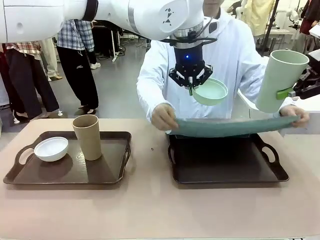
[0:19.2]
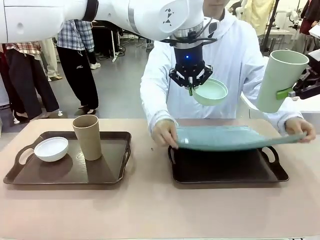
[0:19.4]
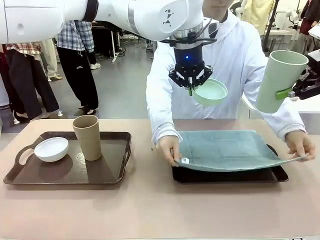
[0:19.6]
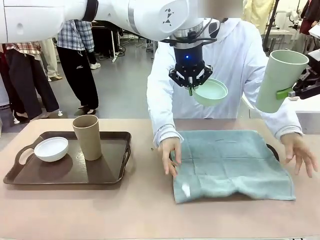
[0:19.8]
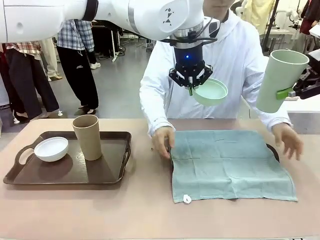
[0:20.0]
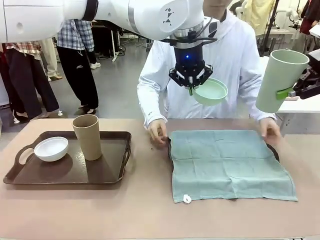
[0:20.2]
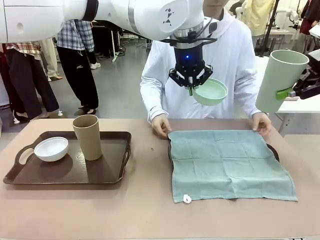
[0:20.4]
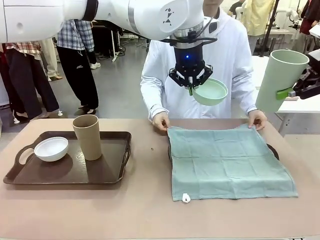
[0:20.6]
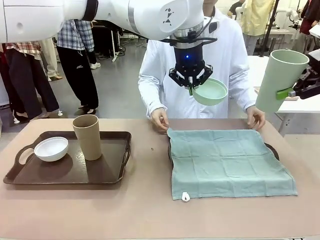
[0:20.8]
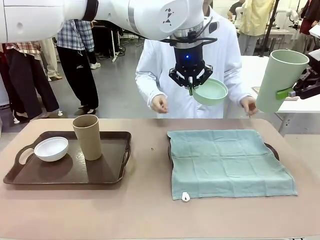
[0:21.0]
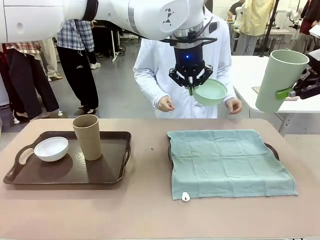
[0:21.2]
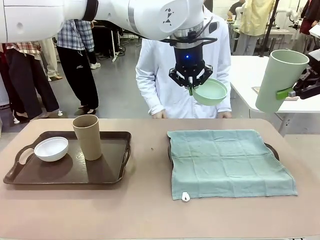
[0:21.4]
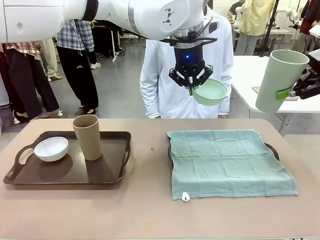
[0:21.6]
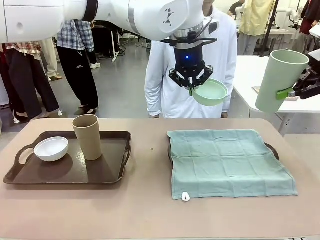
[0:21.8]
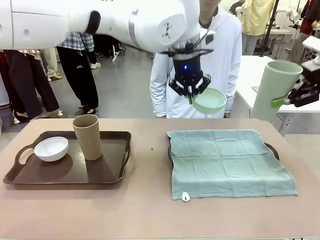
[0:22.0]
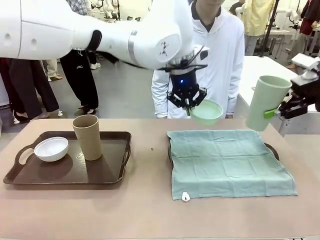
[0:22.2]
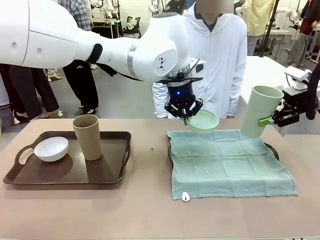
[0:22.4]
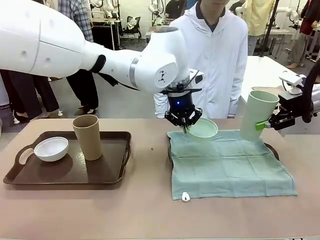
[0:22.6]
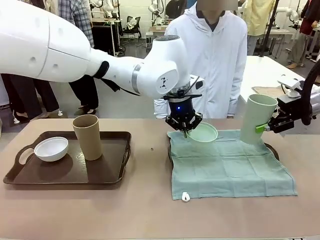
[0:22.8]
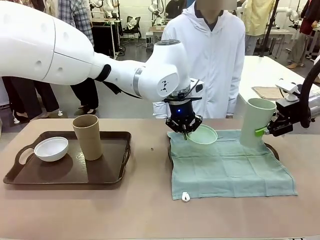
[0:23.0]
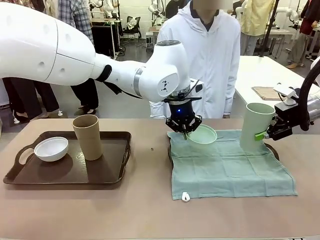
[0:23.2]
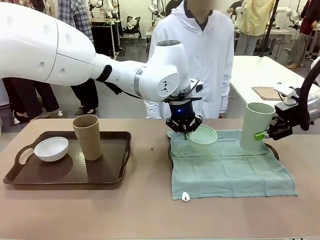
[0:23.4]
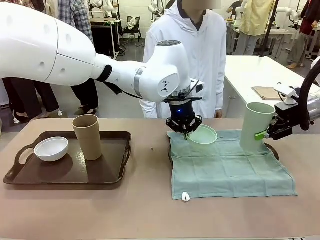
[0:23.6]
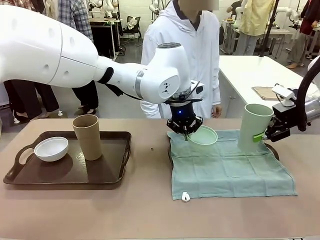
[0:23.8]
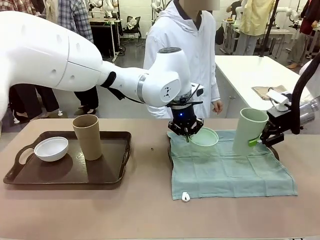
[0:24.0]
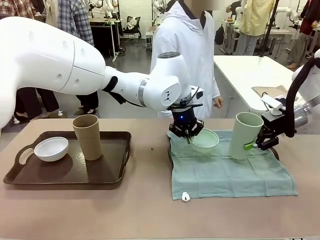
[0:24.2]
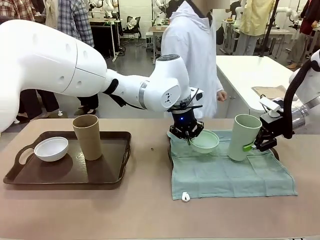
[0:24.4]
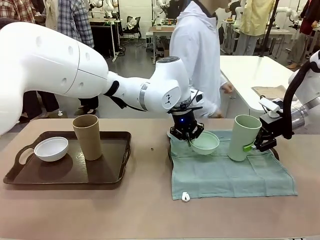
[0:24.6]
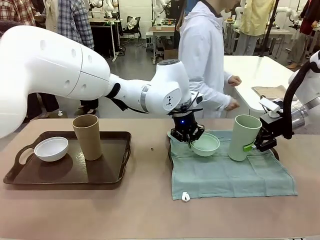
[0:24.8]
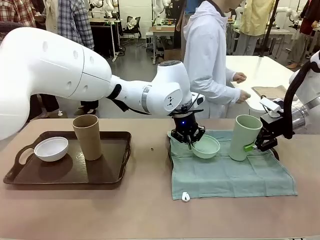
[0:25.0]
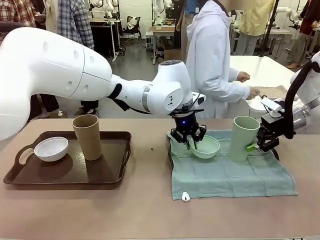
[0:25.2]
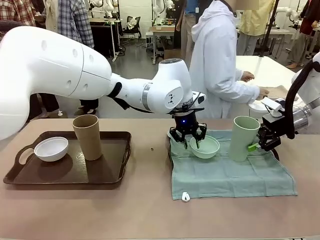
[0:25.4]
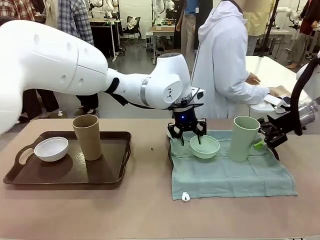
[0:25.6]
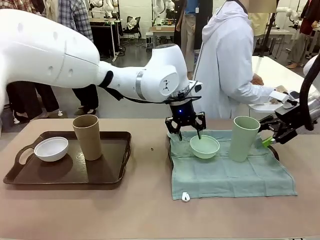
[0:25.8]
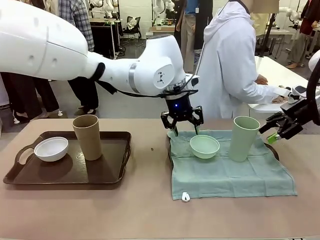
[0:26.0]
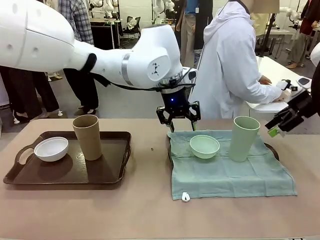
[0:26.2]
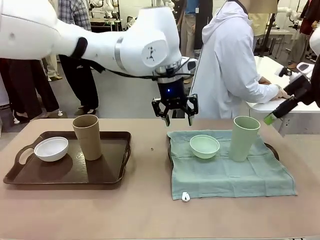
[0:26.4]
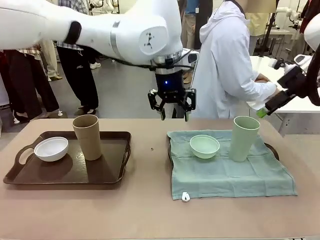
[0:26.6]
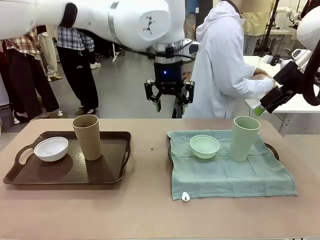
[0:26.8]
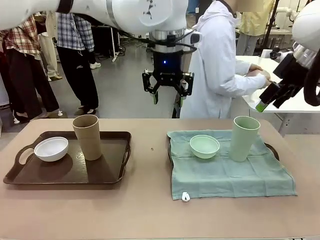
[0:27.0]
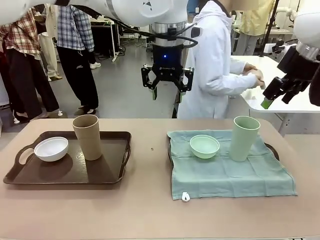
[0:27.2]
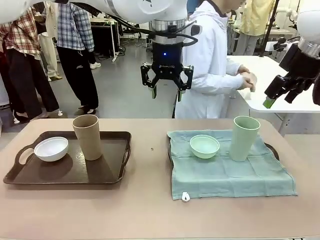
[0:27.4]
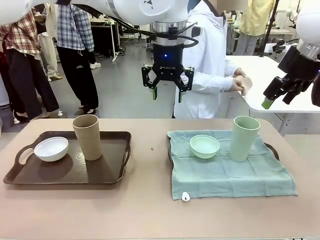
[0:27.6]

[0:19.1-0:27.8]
Robot: Place the Picnic Bowl and Reusable plastic cup back onto the Handle tray in front of the human's position.
Person: The human returns to the human table to pick up another napkin and walks to the robot table to stand in front of the tray without a napkin.

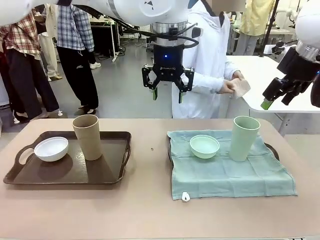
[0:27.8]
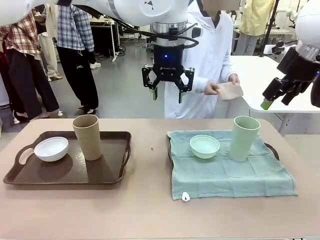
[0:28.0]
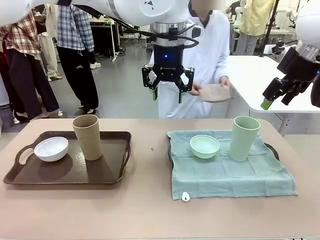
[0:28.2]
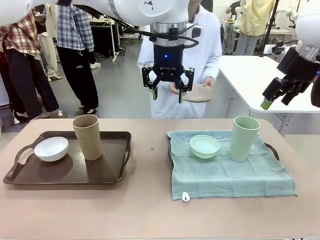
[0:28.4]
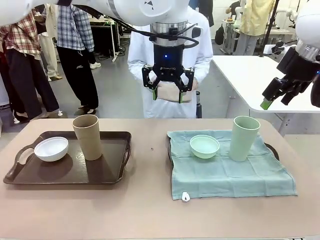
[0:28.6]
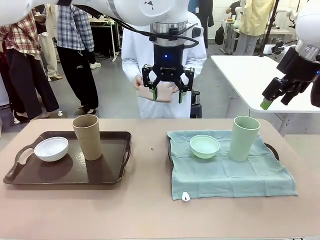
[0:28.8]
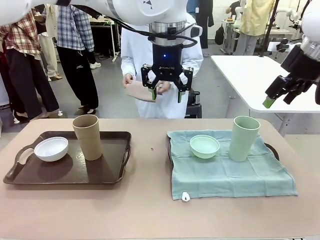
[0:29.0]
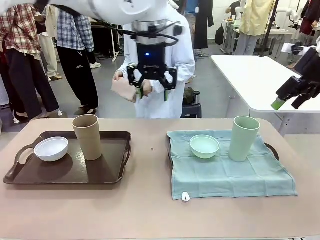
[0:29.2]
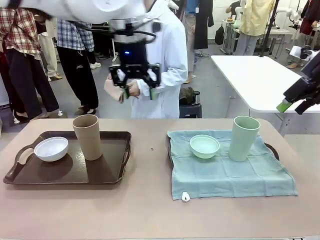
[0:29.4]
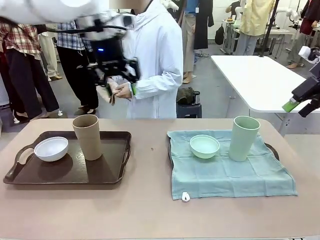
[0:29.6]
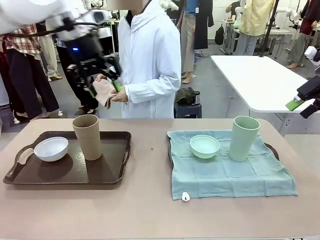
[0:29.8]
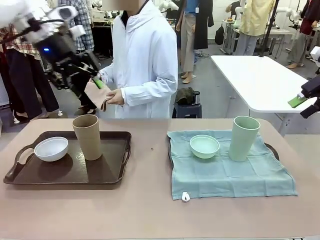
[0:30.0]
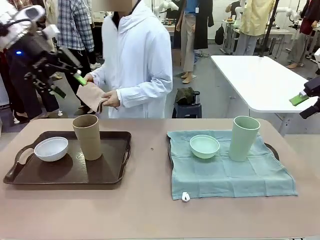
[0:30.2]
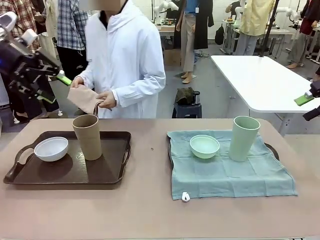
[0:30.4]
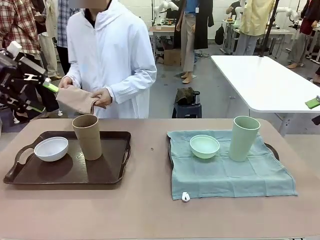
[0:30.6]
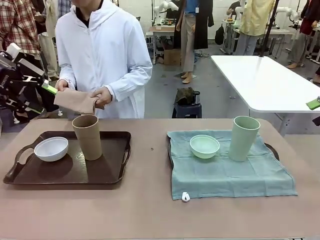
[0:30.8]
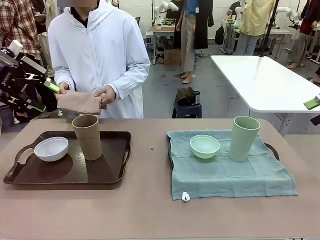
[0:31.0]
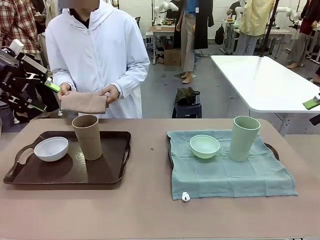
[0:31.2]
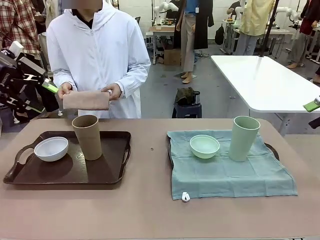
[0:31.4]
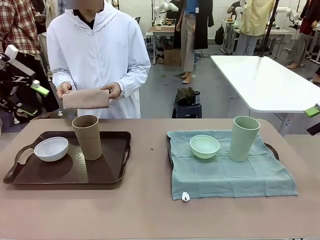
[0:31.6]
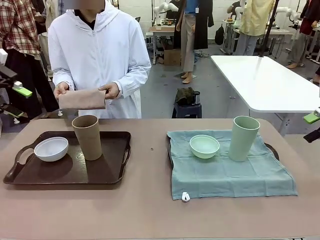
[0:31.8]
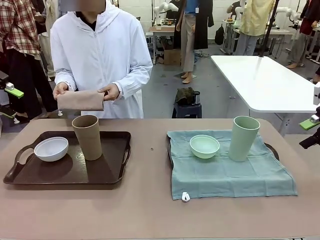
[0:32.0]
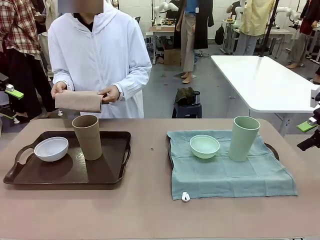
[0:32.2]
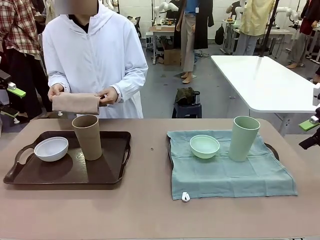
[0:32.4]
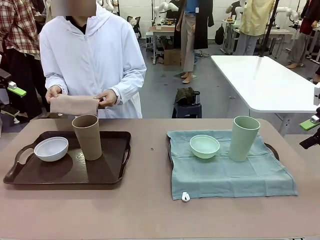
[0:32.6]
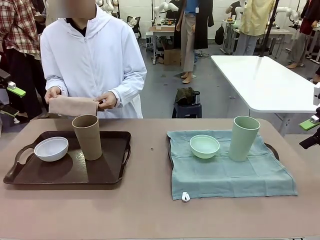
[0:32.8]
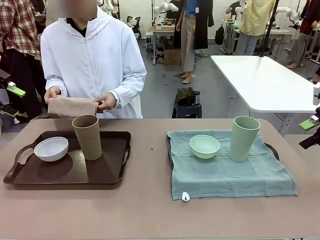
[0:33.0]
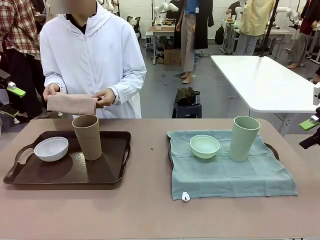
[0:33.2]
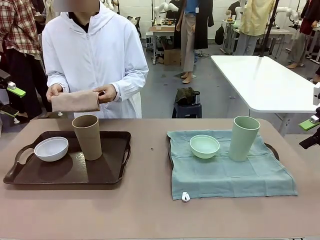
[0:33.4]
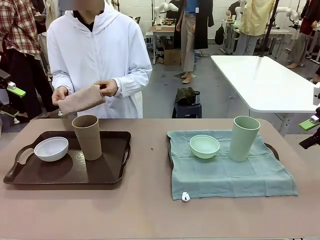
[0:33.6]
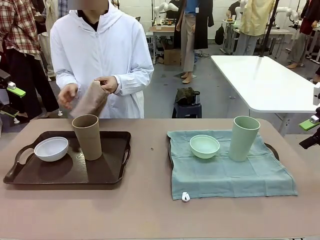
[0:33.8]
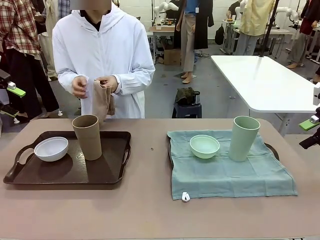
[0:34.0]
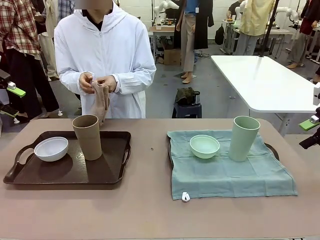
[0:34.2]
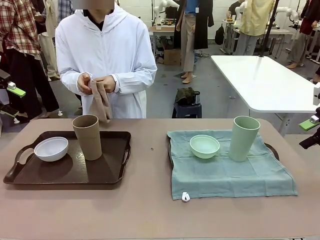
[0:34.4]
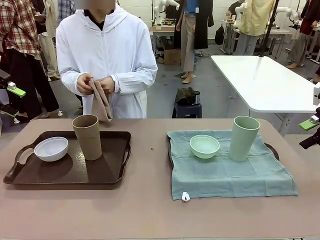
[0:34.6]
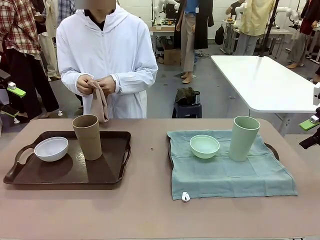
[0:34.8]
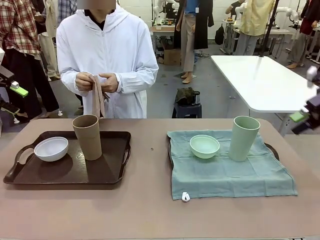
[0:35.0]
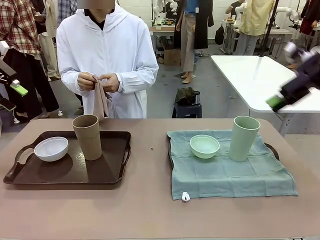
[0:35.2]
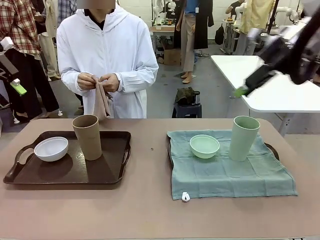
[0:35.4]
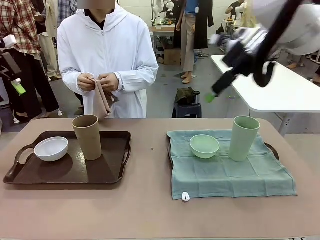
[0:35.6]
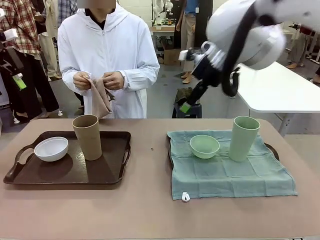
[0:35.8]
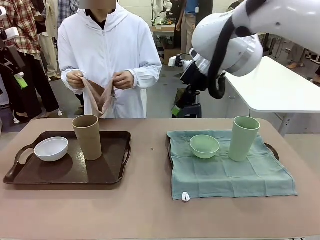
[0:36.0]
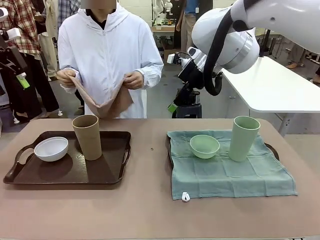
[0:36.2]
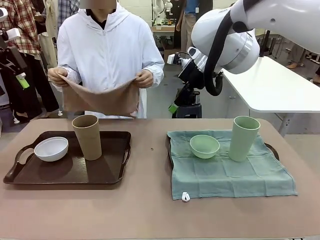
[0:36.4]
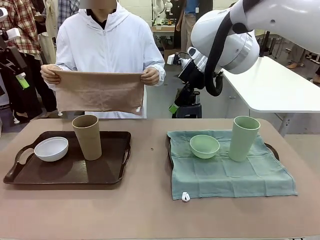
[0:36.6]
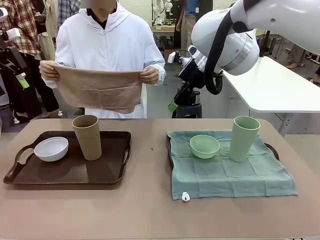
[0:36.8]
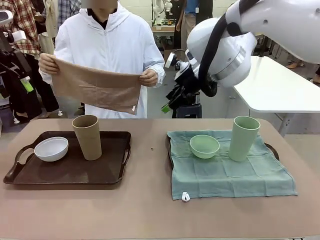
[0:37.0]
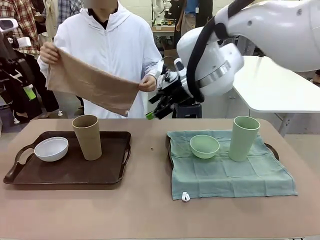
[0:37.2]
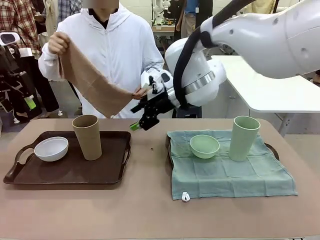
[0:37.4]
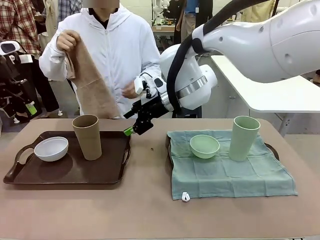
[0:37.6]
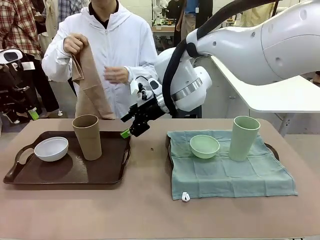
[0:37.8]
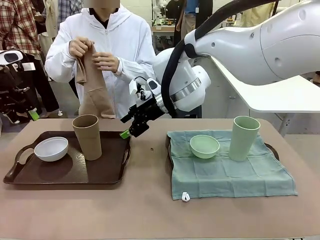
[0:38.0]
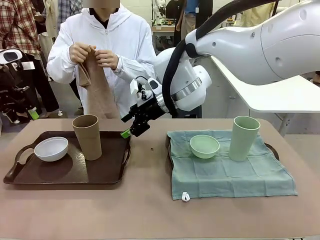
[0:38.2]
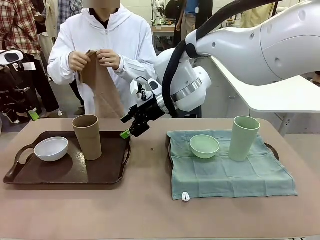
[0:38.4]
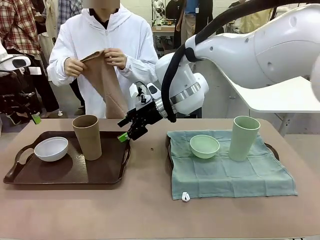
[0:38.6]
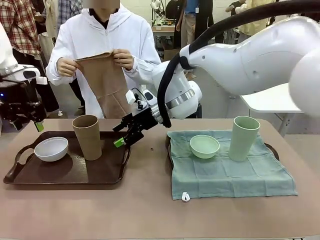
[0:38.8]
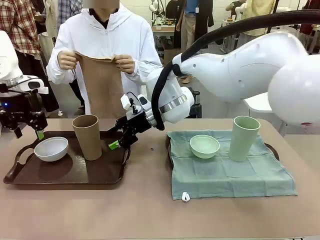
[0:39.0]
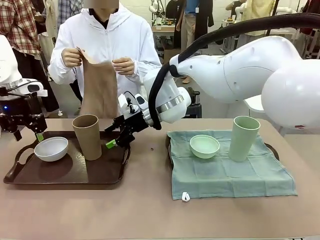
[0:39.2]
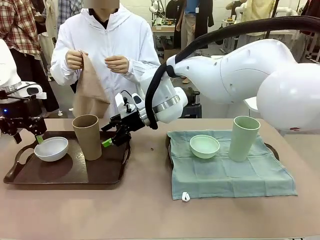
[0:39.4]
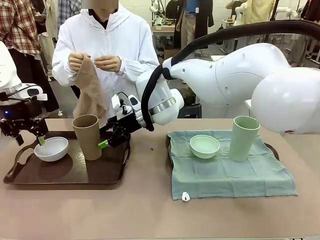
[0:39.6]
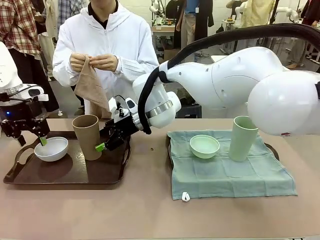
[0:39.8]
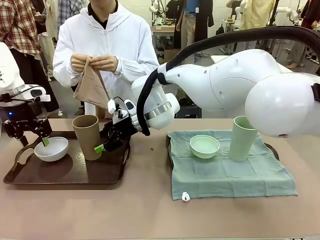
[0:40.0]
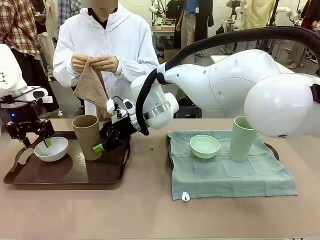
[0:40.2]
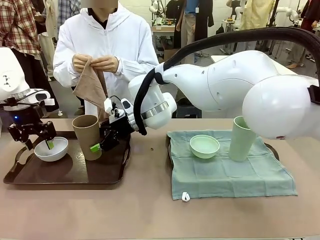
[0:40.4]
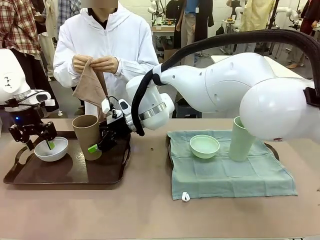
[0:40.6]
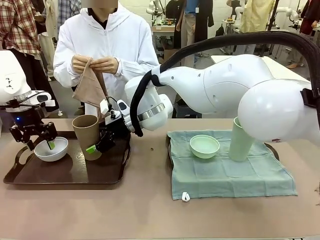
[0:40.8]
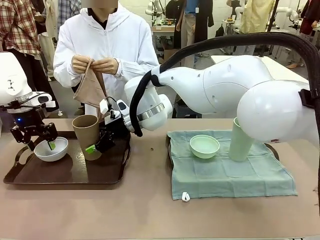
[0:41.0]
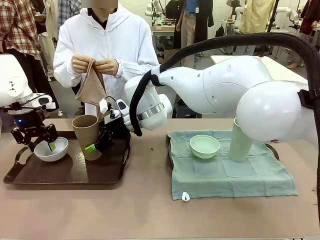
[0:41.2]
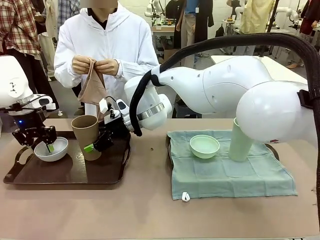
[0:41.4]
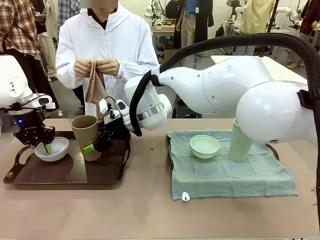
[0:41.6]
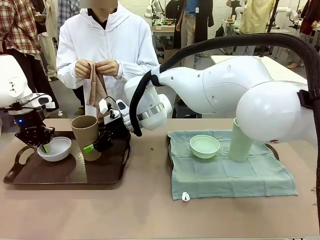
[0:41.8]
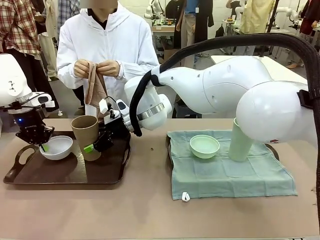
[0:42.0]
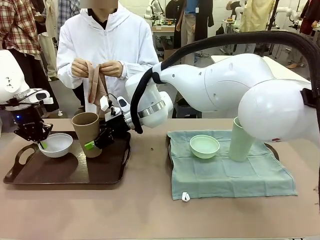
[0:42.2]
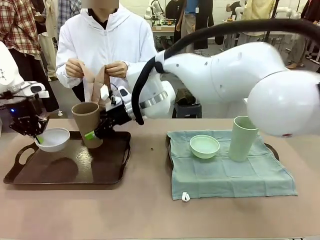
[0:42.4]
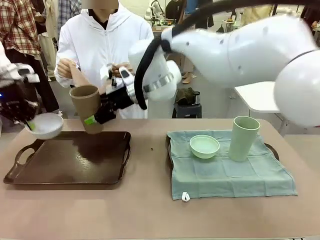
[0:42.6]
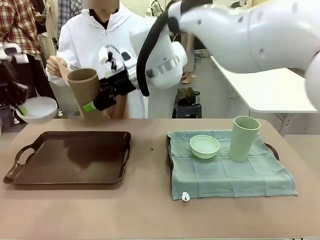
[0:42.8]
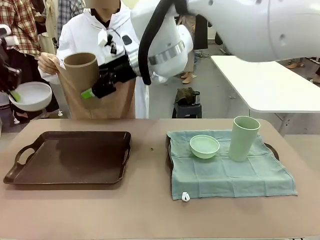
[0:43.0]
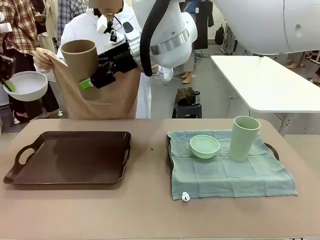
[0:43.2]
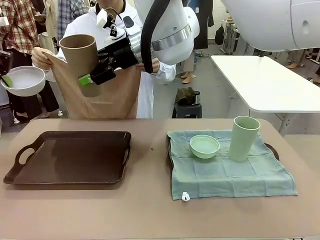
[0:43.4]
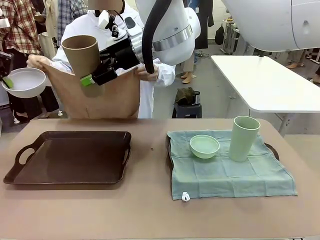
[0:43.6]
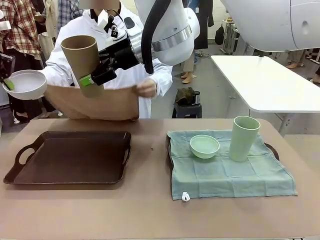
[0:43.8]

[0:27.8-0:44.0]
Robot: Pick up the Picnic Bowl and Reusable plastic cup from the Handle tray in front of the human's position and hold them in the air.
